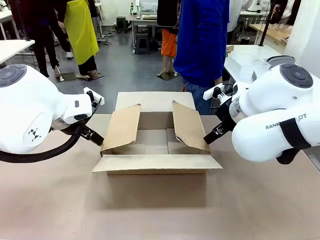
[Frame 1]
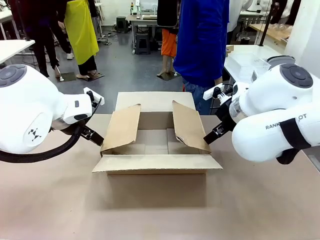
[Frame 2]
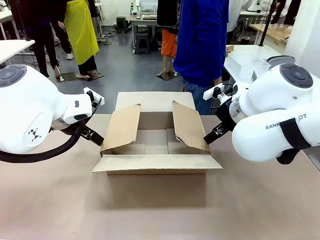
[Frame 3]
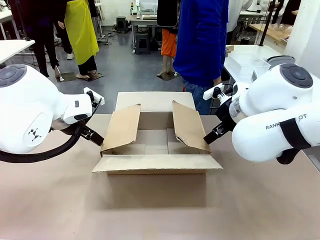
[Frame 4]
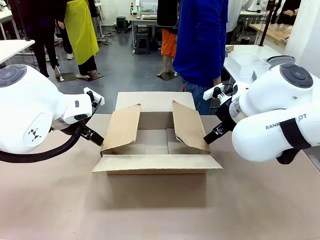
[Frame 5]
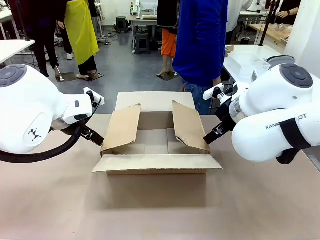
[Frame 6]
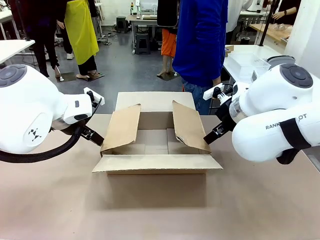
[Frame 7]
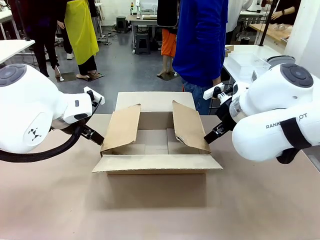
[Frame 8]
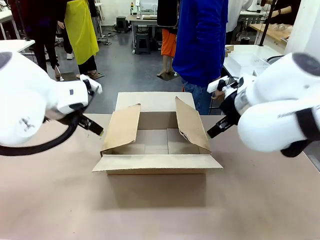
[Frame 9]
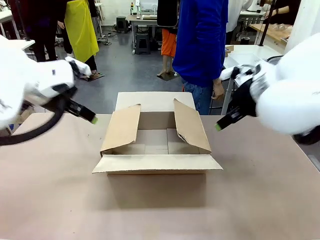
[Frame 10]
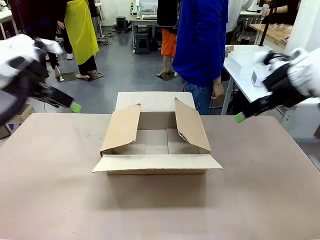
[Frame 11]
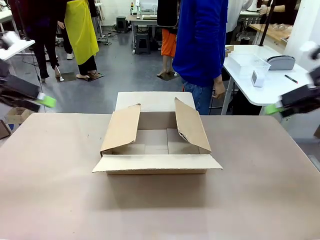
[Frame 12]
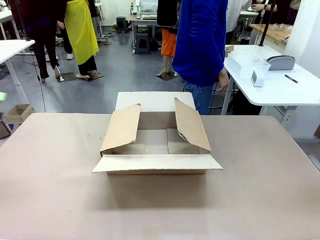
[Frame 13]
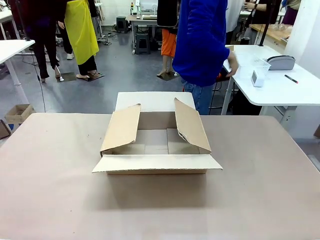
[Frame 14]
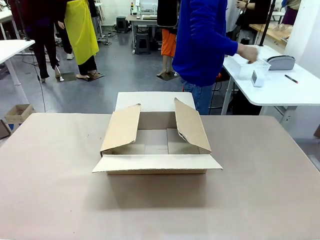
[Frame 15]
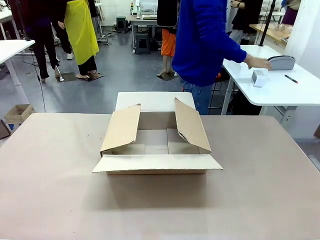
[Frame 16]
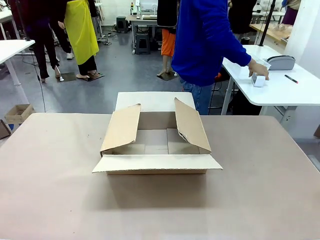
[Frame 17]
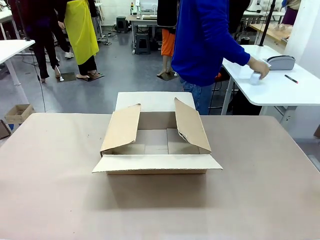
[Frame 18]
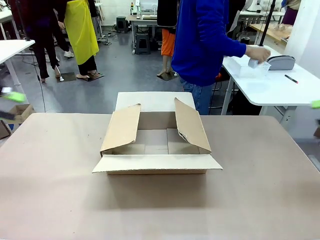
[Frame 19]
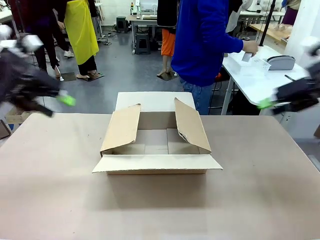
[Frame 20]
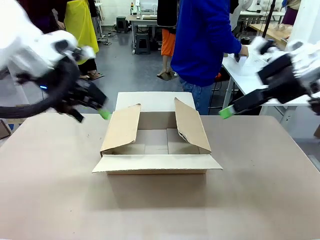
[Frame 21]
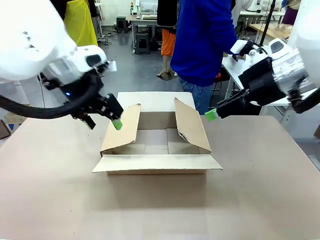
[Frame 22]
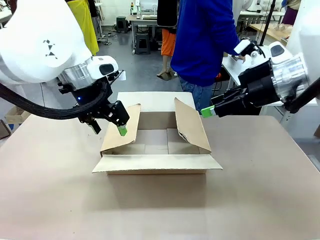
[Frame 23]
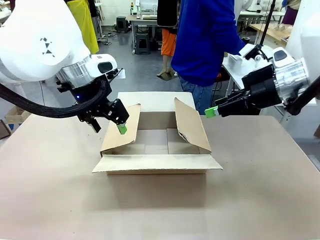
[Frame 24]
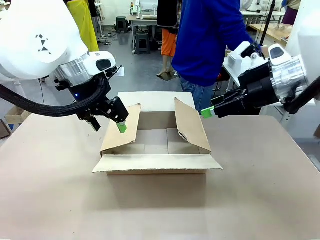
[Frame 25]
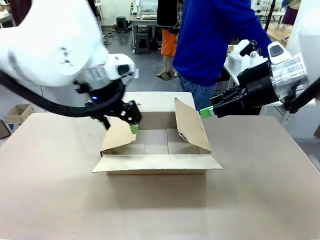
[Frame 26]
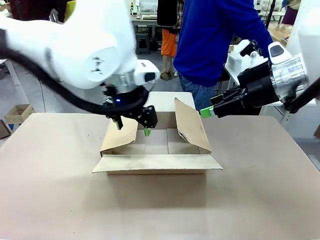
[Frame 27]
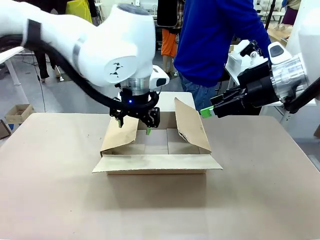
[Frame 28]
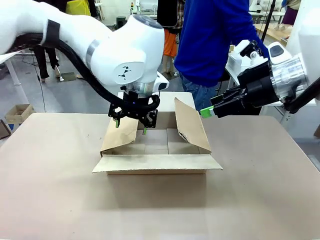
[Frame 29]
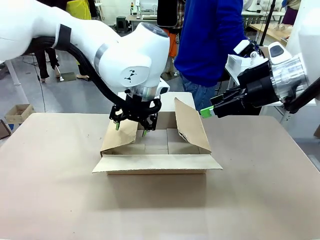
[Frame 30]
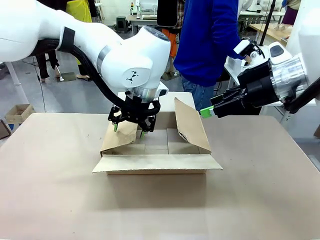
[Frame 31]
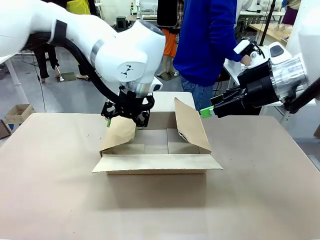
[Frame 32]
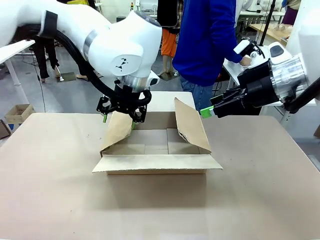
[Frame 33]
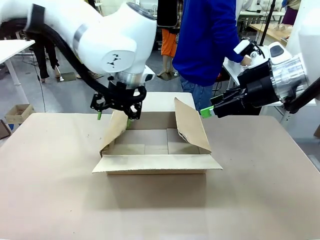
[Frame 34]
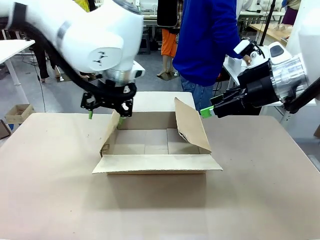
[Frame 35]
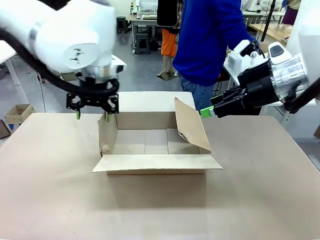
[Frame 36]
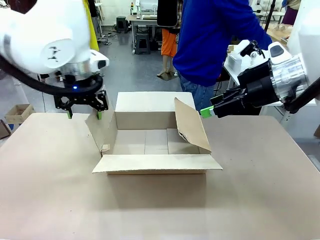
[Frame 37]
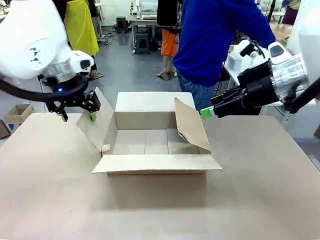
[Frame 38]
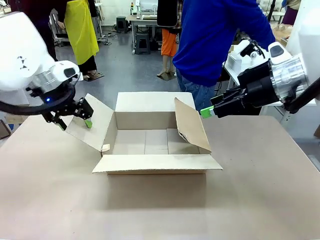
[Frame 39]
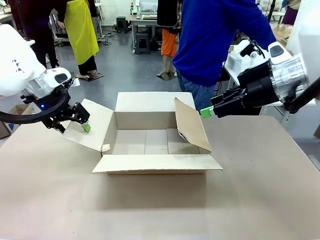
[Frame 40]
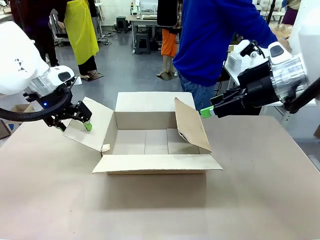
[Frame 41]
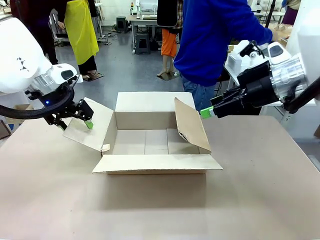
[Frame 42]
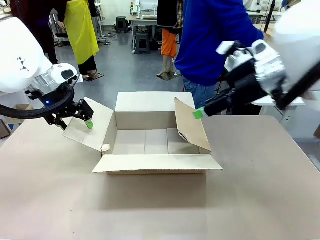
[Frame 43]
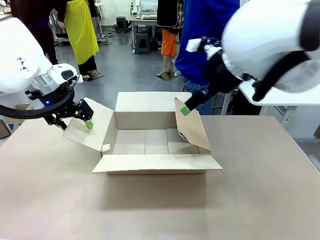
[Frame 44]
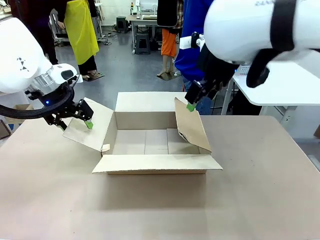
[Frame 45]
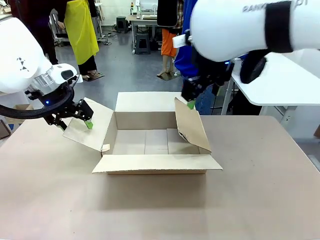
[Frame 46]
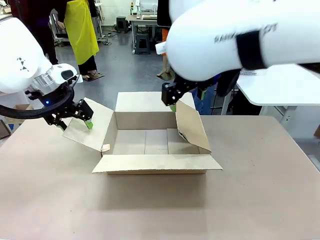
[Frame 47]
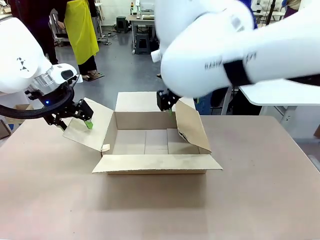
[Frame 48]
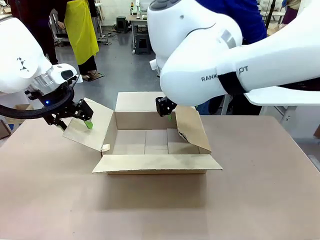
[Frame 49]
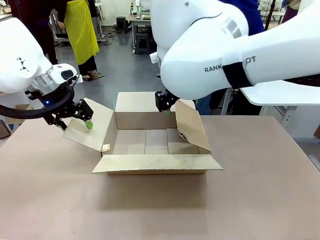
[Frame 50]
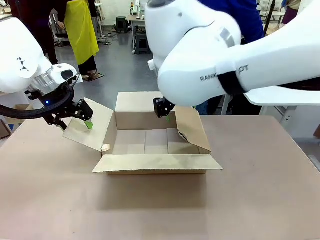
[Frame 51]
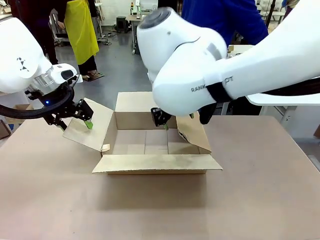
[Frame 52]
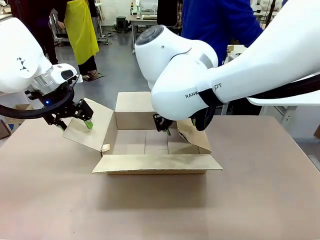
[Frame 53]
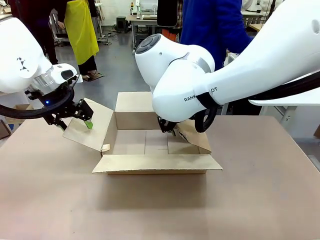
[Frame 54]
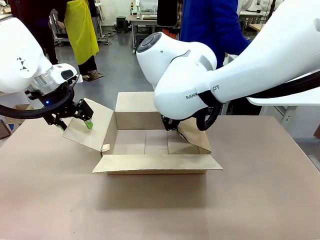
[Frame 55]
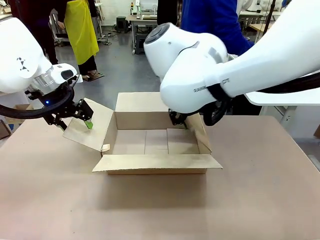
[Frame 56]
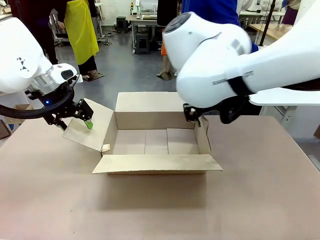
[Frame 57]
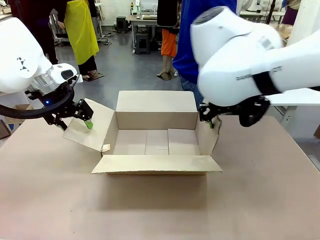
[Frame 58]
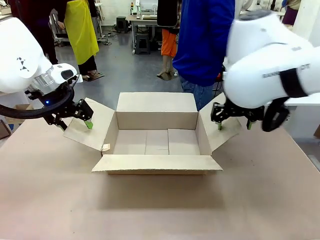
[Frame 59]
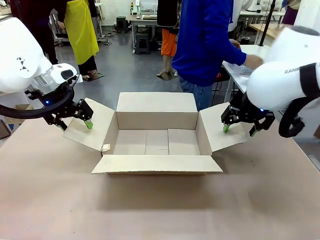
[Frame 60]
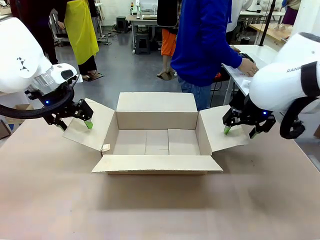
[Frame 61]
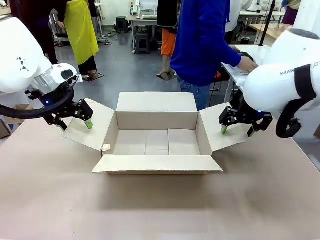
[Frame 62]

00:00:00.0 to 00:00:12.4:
Task: Pack the gift set into the box.
Robot: Place both hands on the side flaps of the Package Box and spread them outward.
Person: The human places all items except the paper tape into the organizing basket.

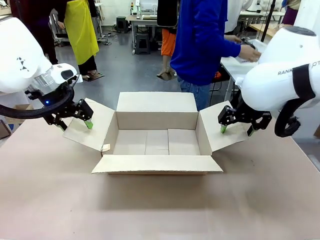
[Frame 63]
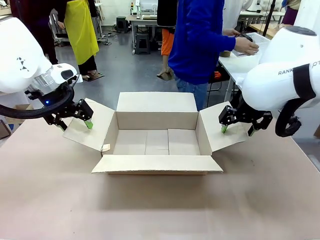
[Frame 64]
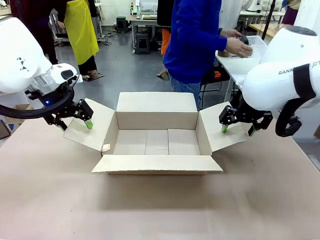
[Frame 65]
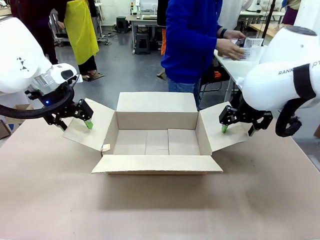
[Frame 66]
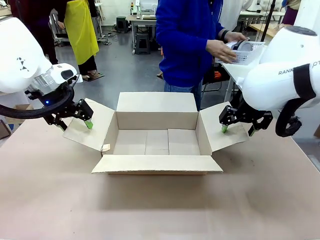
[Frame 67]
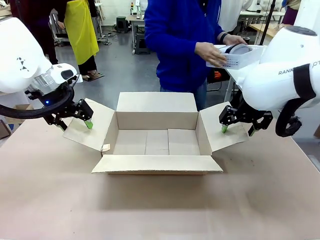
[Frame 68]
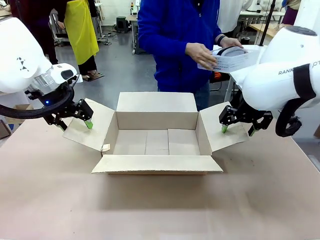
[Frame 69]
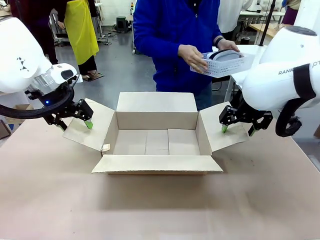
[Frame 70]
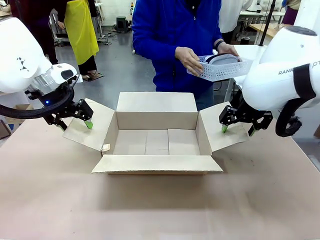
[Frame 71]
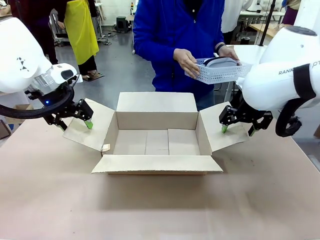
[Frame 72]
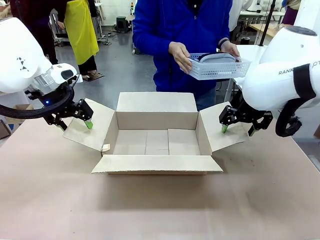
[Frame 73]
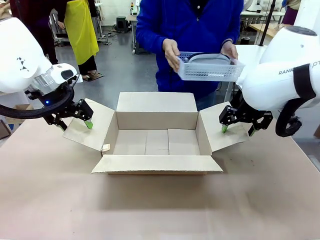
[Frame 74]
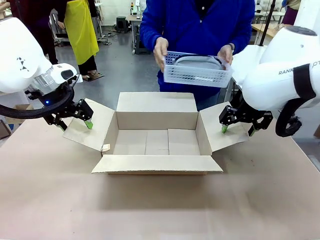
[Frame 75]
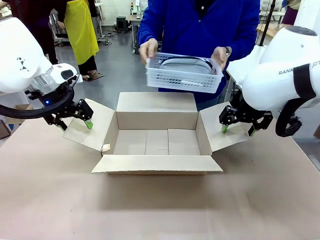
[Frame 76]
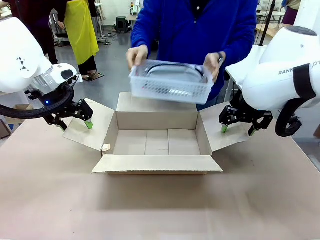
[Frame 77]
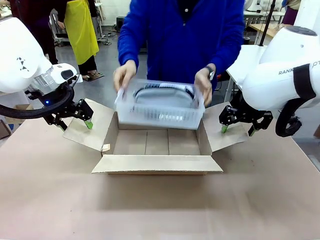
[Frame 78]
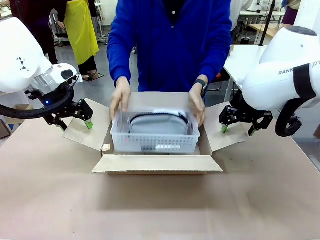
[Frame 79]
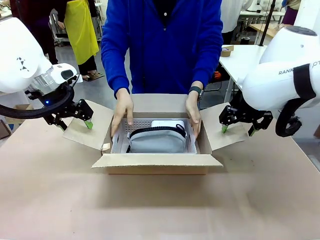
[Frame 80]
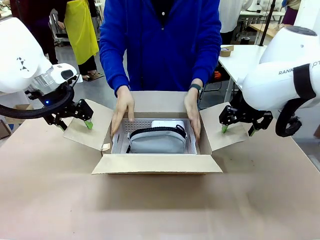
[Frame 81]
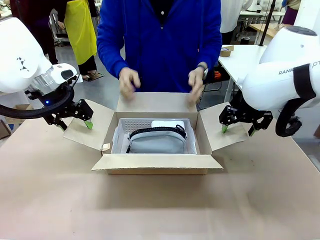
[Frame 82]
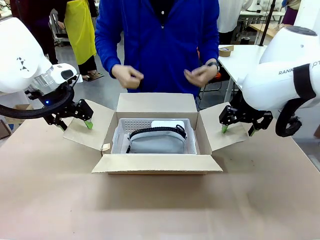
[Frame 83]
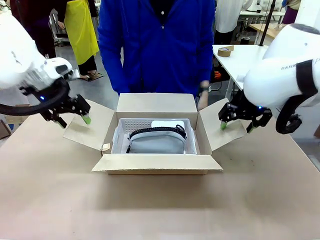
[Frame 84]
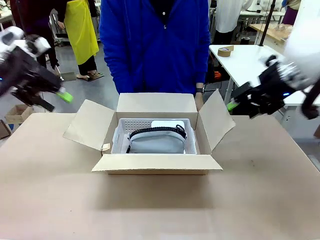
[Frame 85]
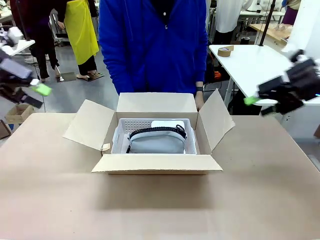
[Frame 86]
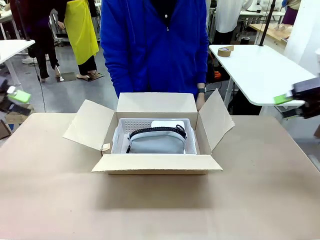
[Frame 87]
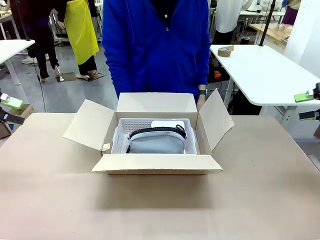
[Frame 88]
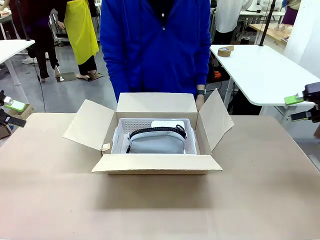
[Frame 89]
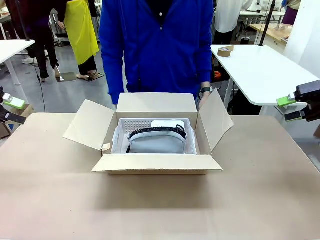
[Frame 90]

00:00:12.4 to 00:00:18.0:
Robot: Lift both hands away from the flaps of the Package Box.
Person: The human picks up the organizing basket and places the organizing basket into the package box on the robot table.
